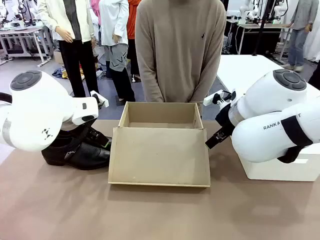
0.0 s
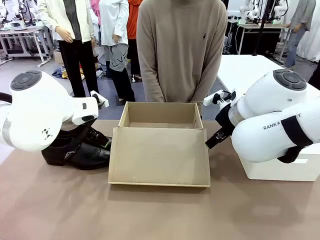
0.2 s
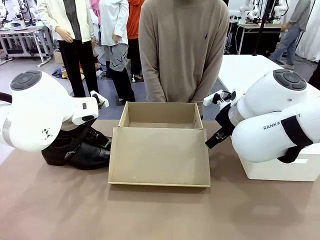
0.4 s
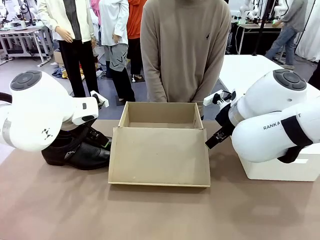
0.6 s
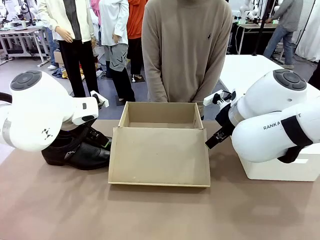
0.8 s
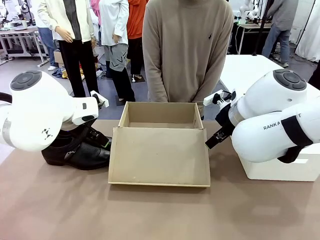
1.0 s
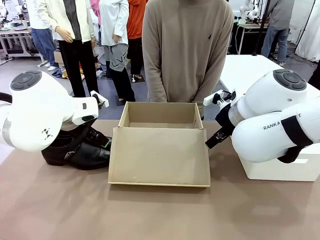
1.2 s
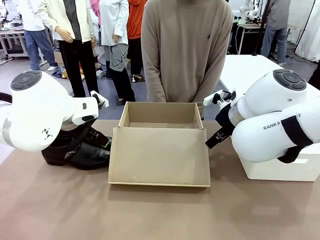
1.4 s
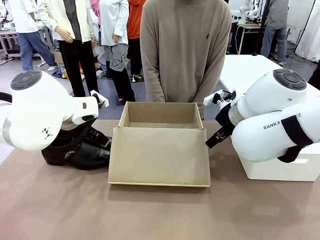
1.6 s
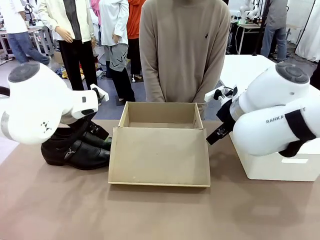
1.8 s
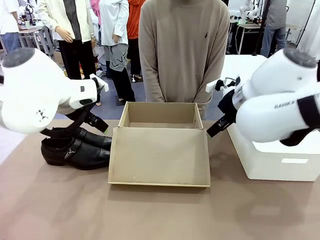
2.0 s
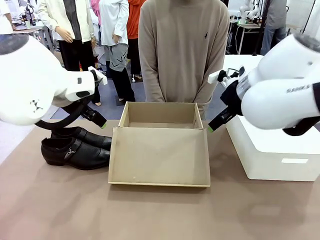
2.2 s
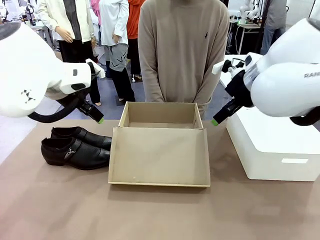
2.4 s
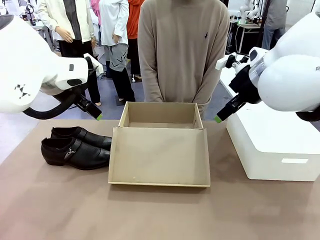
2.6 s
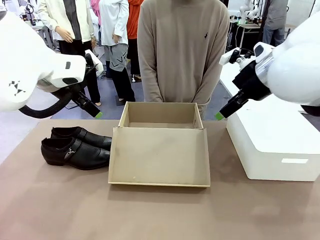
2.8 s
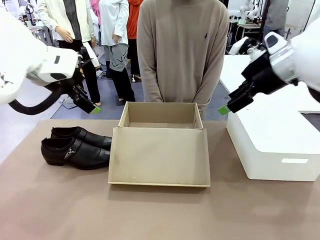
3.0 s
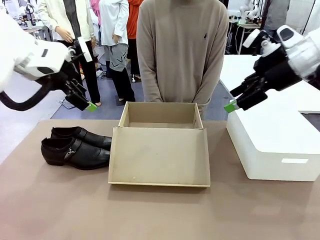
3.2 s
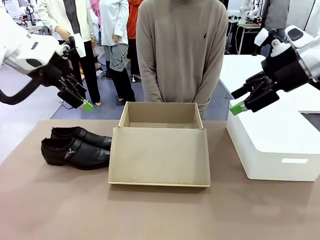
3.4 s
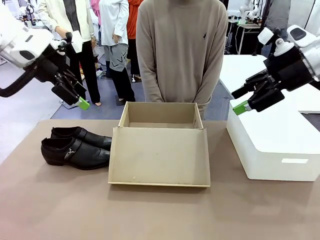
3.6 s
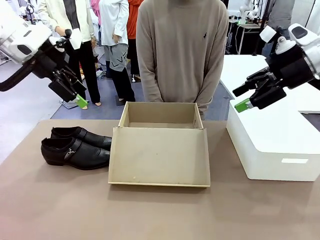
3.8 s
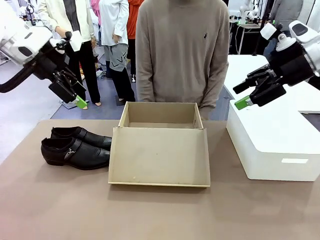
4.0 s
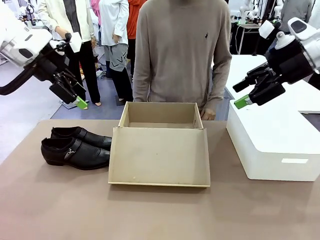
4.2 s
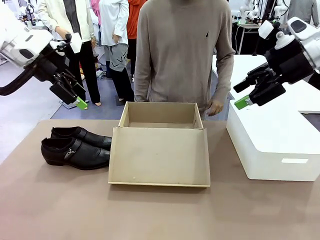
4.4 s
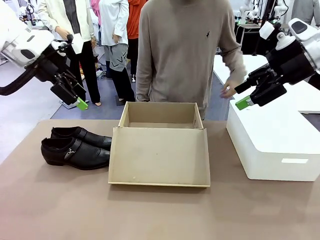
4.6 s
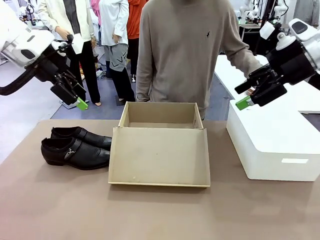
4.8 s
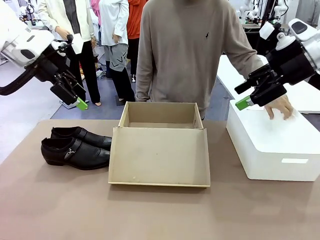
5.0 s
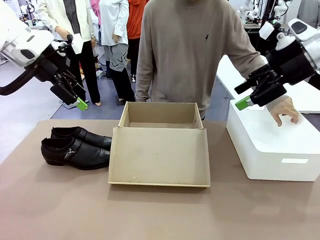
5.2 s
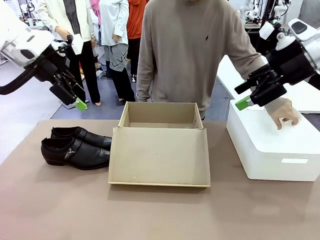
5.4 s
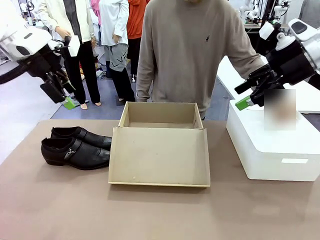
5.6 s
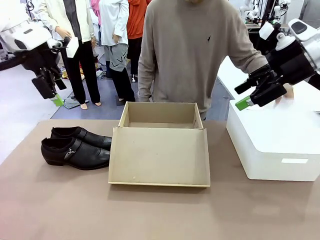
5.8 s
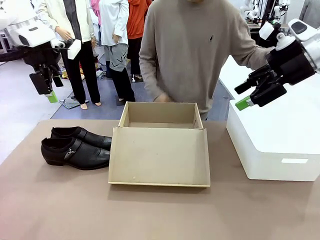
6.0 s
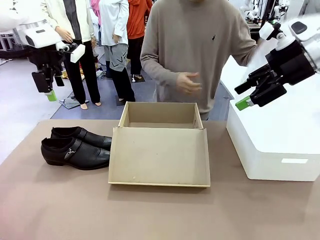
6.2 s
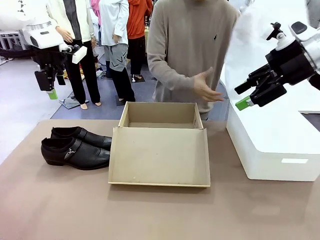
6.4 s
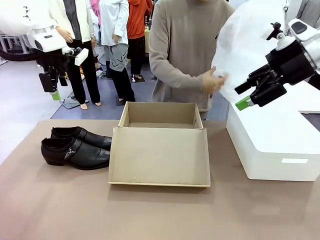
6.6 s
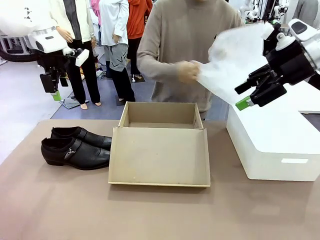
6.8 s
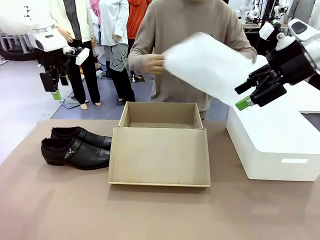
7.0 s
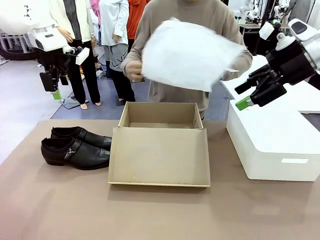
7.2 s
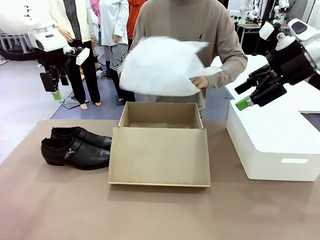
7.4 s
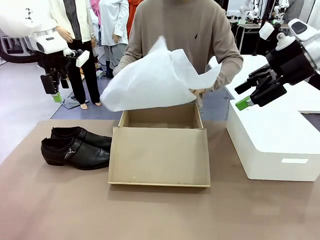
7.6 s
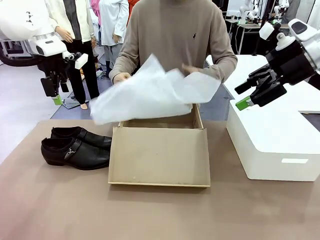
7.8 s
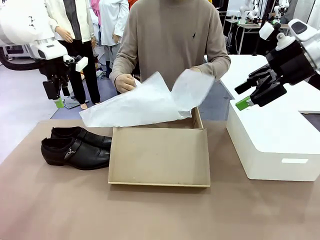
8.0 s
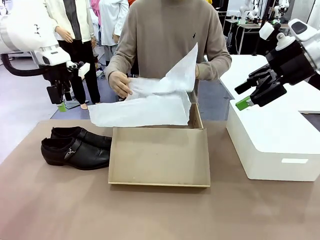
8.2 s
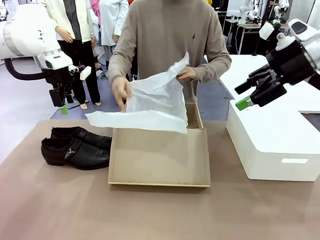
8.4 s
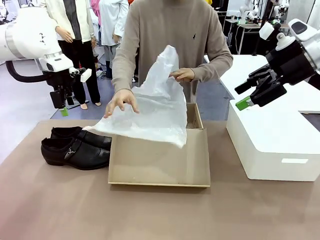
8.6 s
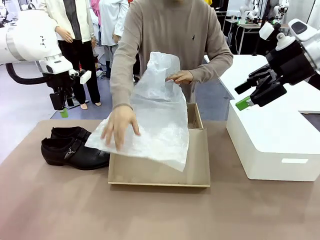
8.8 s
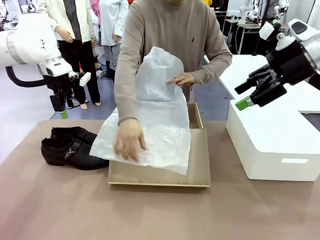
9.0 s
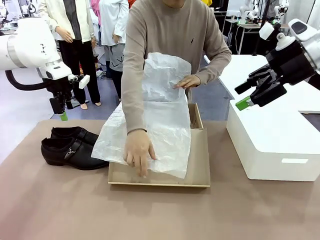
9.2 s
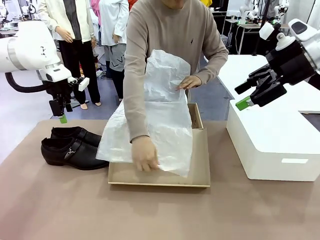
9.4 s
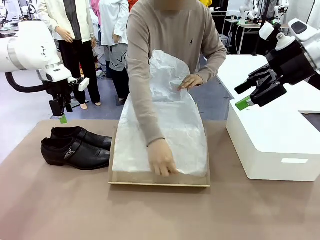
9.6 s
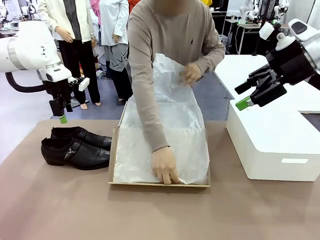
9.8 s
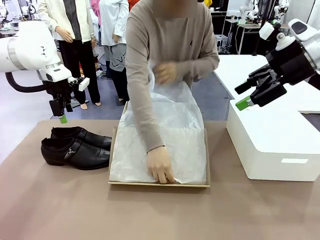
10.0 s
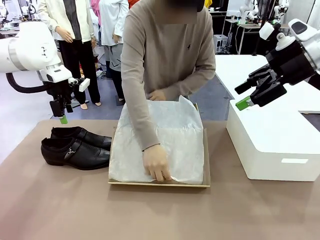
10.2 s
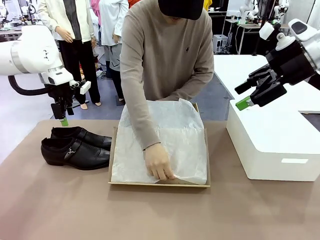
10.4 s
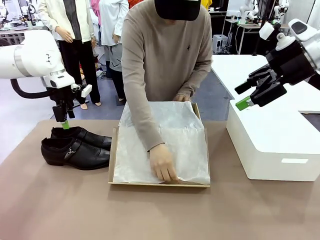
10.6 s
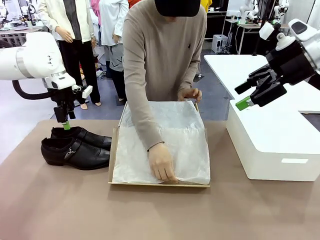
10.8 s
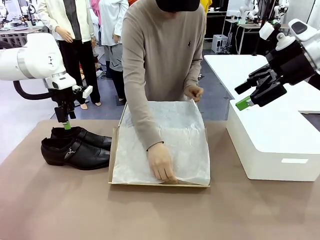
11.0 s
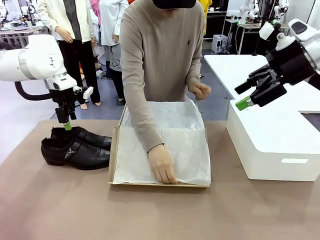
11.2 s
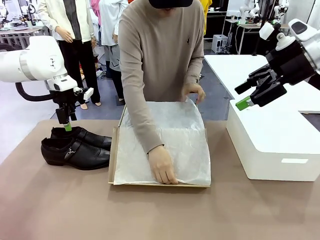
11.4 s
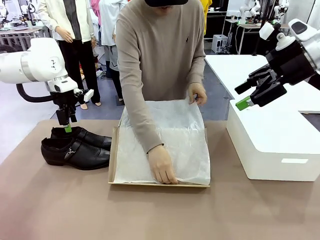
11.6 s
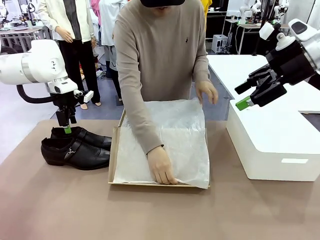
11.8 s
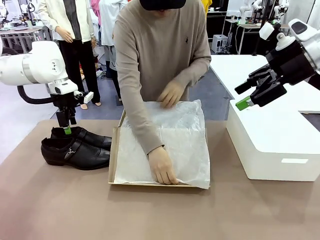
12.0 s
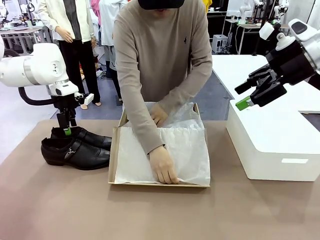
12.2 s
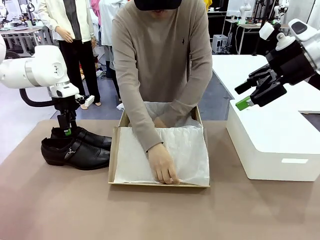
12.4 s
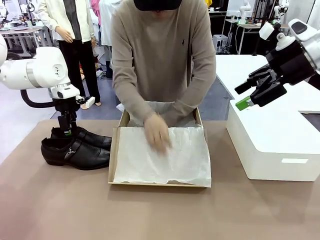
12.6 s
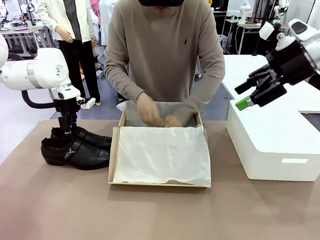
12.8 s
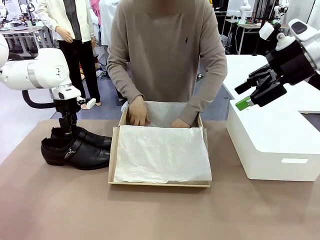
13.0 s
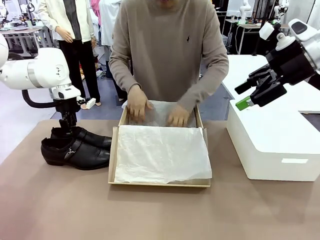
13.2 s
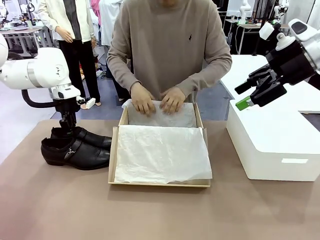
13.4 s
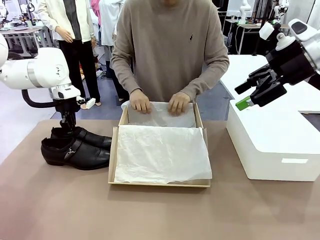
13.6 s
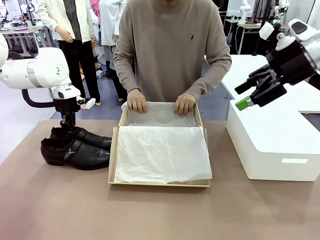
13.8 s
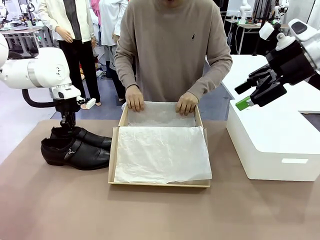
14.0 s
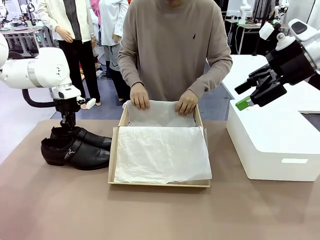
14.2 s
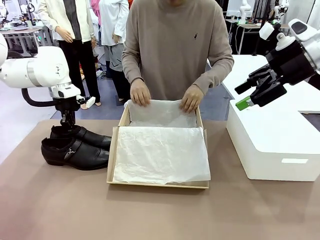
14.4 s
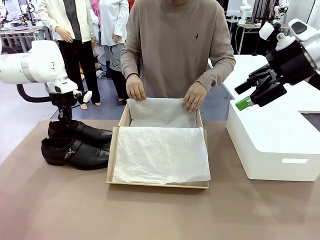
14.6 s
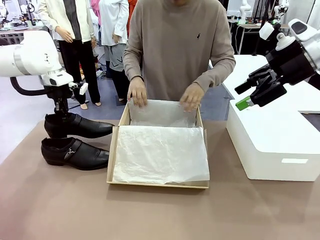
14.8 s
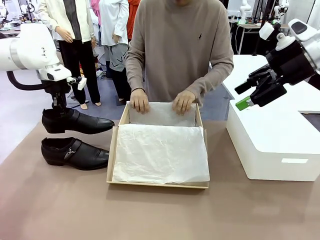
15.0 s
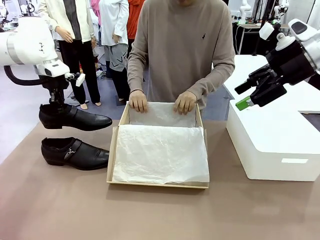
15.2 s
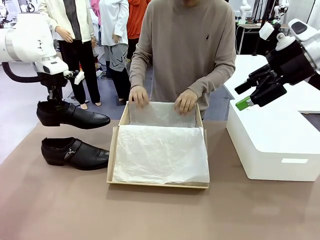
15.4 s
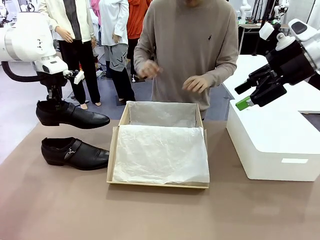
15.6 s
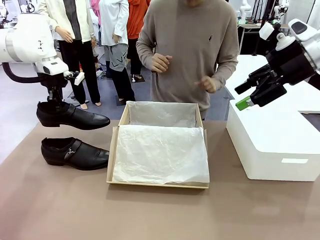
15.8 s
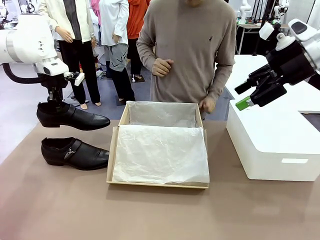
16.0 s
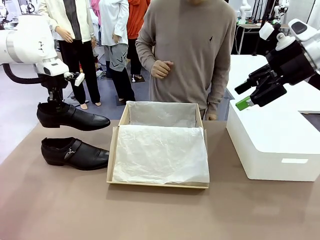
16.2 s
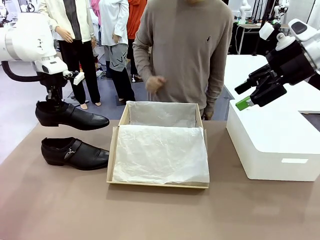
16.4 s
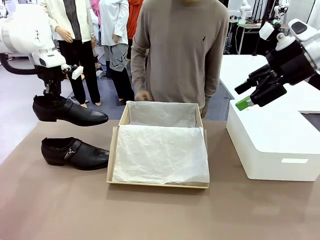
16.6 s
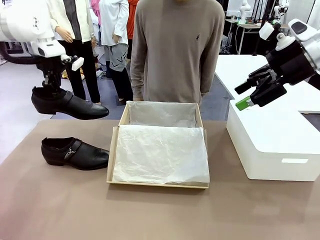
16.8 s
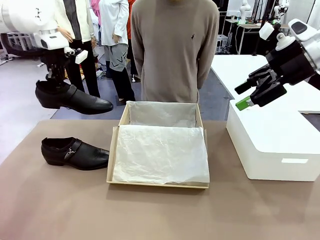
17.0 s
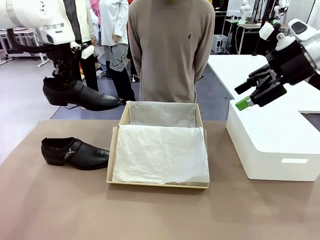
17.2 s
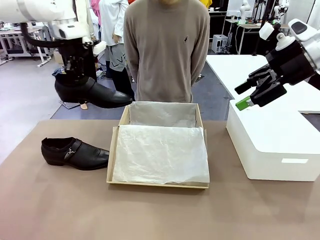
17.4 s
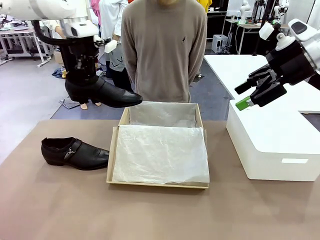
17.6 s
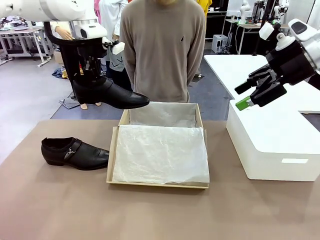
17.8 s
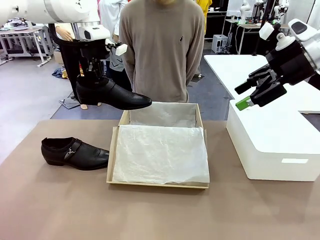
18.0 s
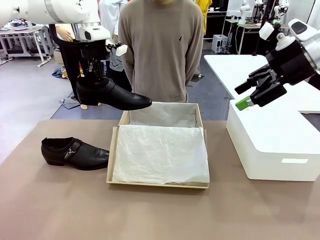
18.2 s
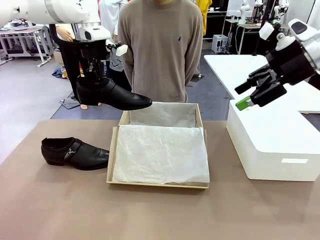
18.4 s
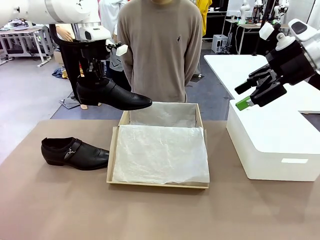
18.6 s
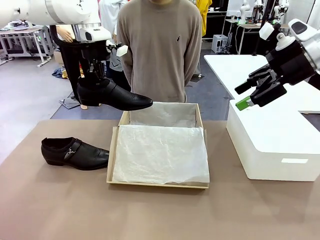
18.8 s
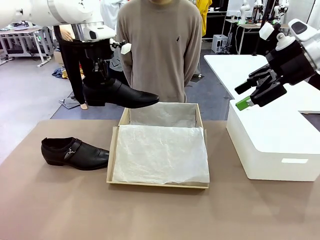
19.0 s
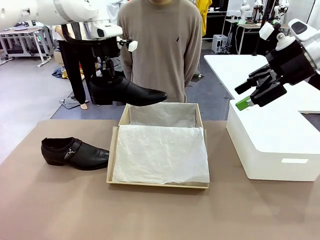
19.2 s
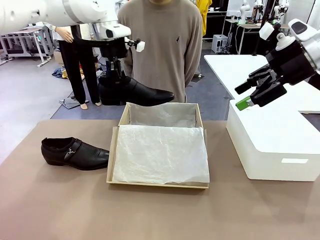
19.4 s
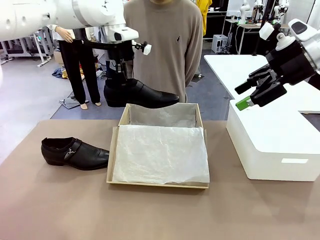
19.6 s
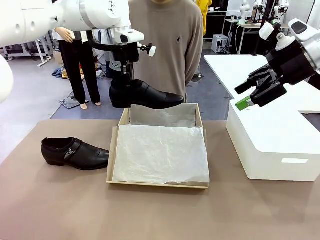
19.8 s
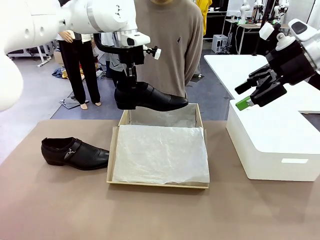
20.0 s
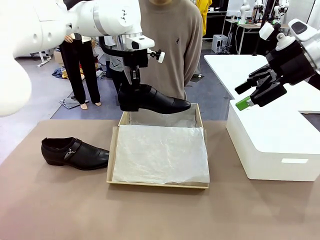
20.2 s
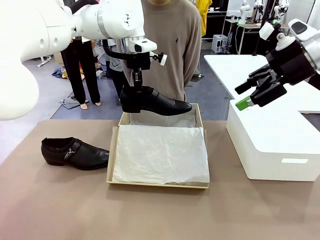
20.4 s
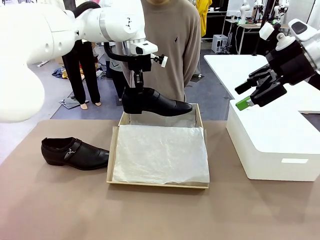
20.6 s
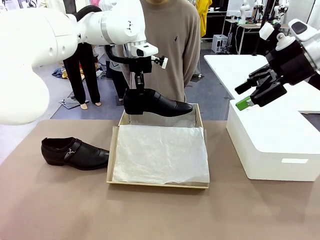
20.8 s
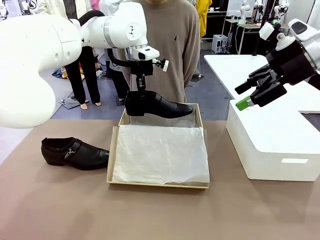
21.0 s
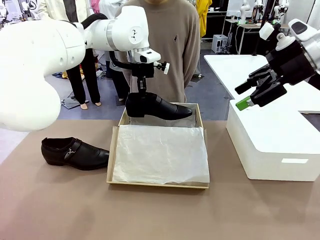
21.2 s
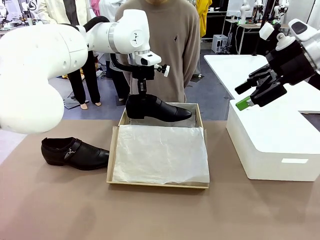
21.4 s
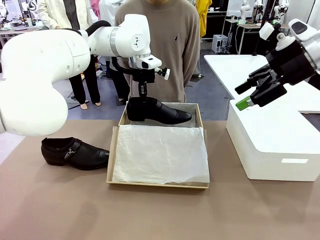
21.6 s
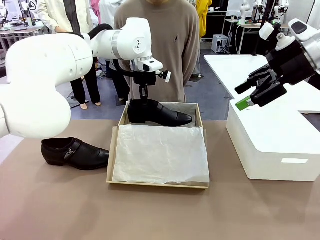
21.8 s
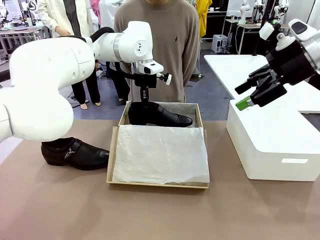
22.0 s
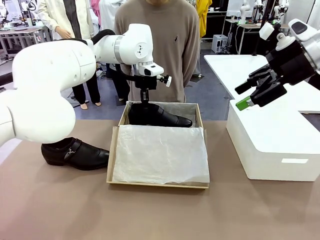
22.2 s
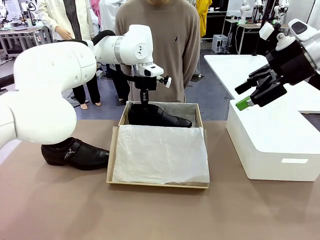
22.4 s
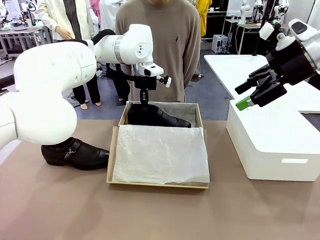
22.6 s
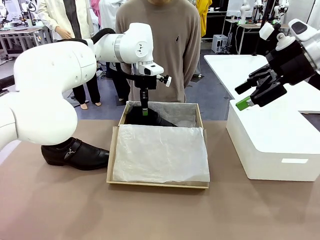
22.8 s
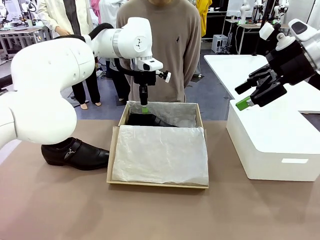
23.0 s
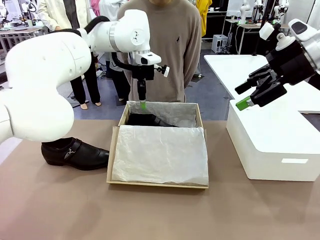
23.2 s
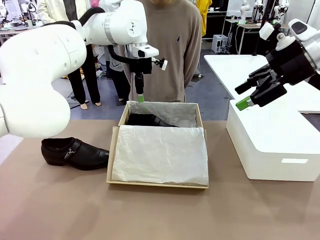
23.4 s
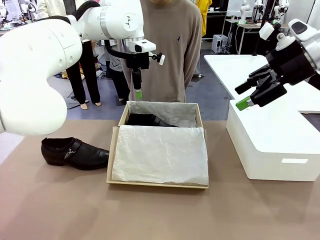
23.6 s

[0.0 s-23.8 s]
Task: Pack the shoes into the box.
Robot: Place one shoe of the Shoes into the Shoes Box.
Person: Spread Shoes Wrapping Paper and place inside the Shoes Box.
